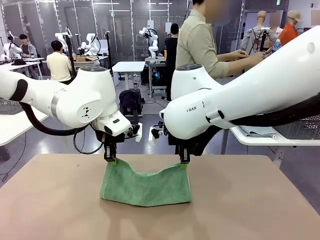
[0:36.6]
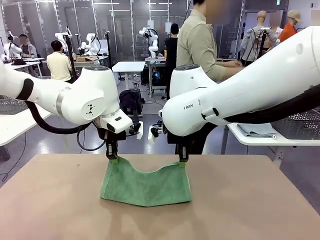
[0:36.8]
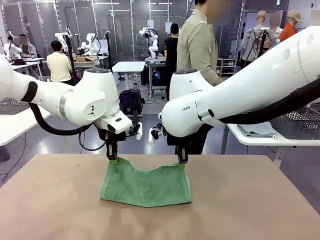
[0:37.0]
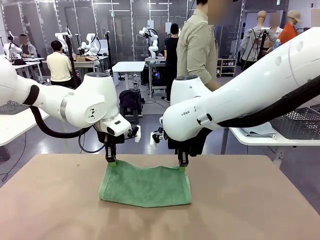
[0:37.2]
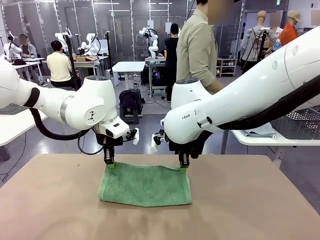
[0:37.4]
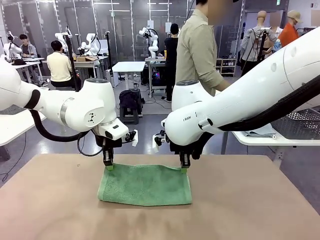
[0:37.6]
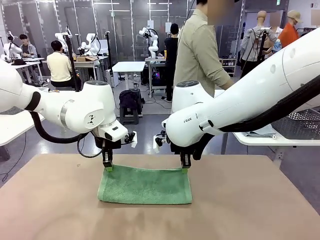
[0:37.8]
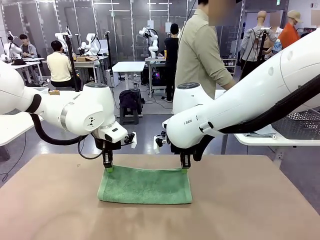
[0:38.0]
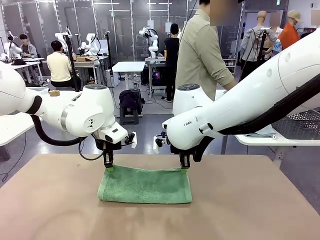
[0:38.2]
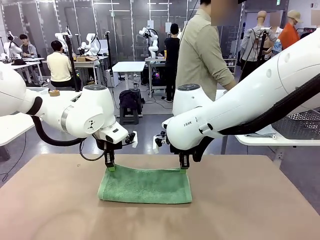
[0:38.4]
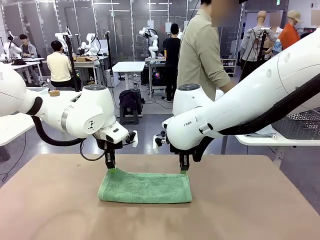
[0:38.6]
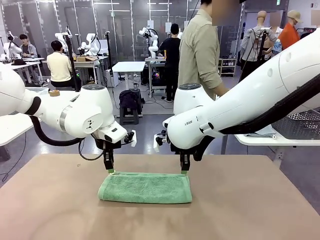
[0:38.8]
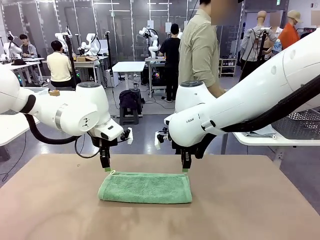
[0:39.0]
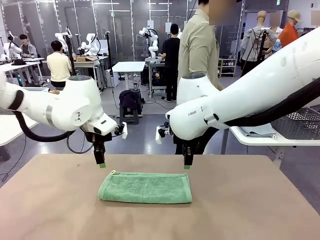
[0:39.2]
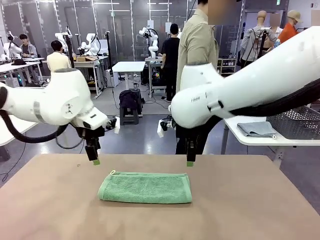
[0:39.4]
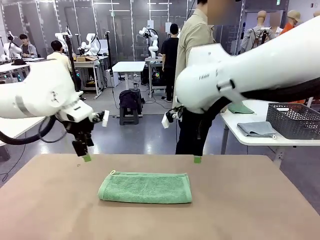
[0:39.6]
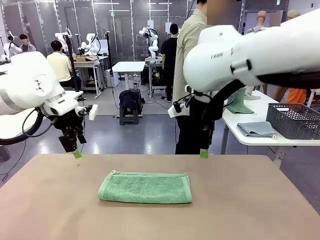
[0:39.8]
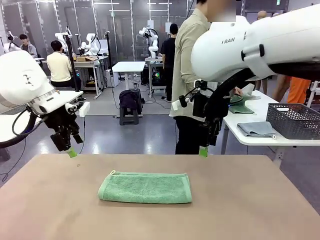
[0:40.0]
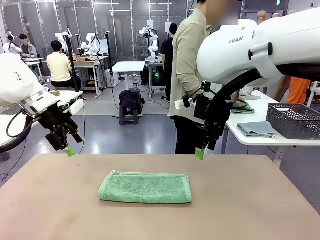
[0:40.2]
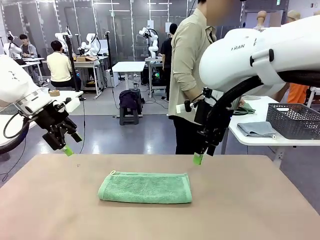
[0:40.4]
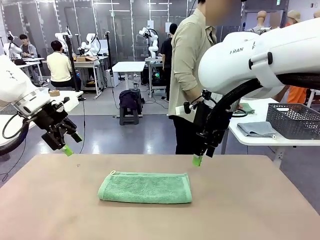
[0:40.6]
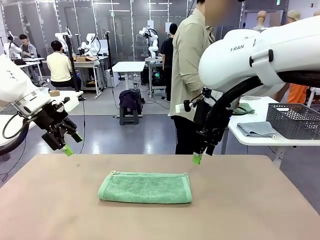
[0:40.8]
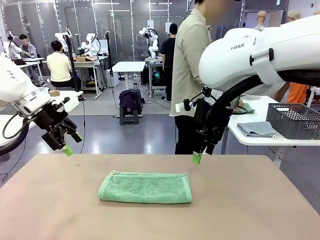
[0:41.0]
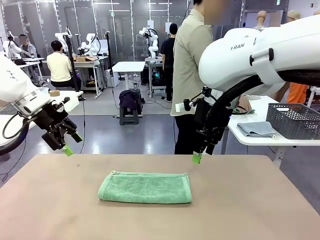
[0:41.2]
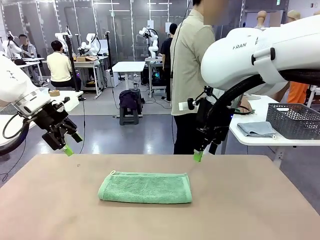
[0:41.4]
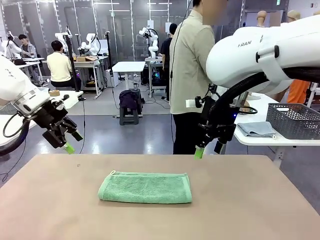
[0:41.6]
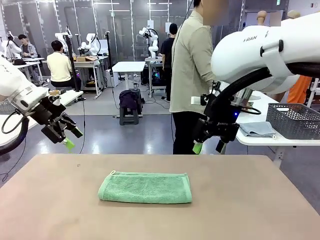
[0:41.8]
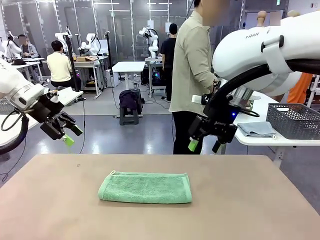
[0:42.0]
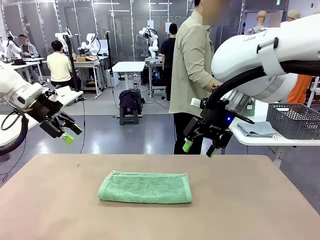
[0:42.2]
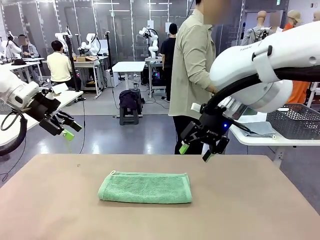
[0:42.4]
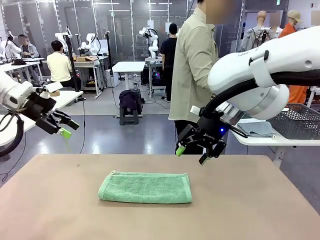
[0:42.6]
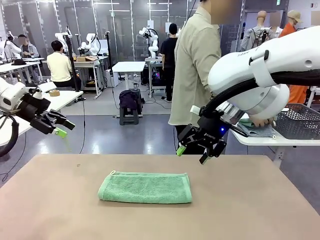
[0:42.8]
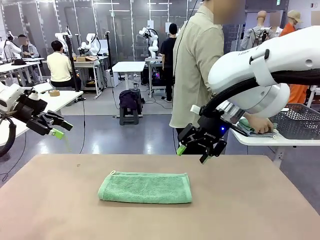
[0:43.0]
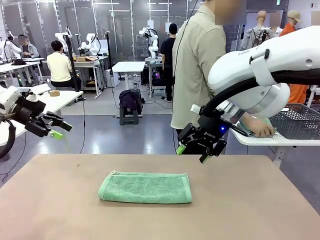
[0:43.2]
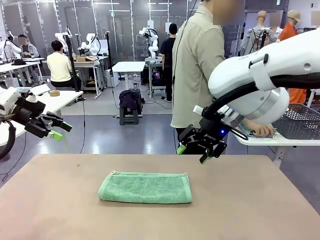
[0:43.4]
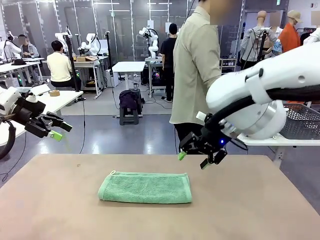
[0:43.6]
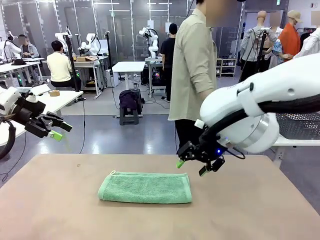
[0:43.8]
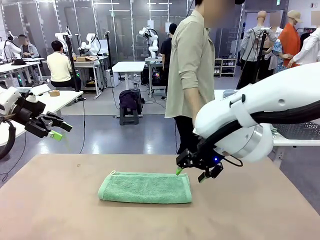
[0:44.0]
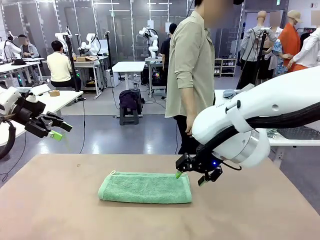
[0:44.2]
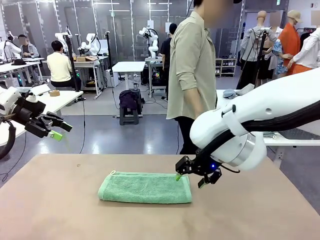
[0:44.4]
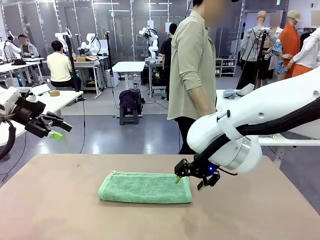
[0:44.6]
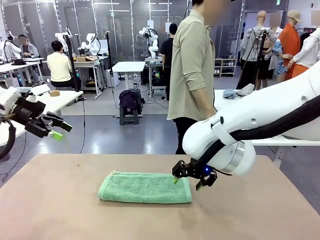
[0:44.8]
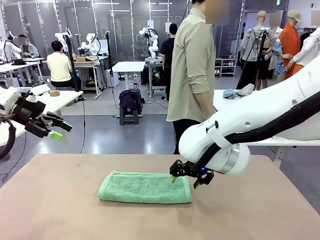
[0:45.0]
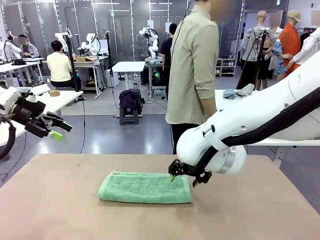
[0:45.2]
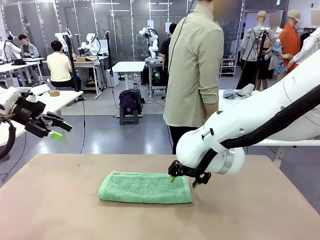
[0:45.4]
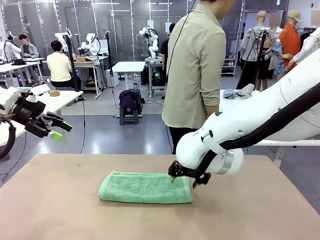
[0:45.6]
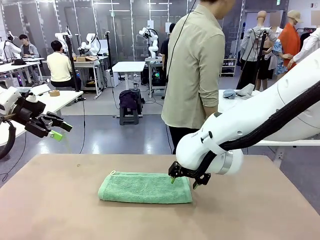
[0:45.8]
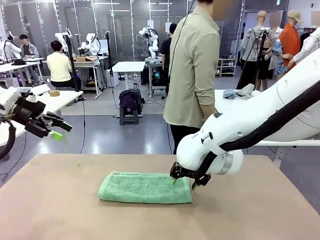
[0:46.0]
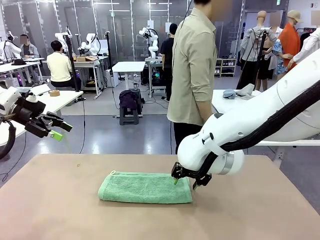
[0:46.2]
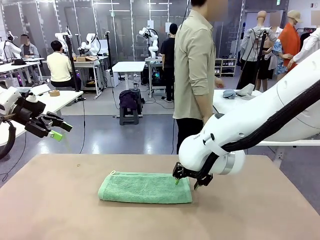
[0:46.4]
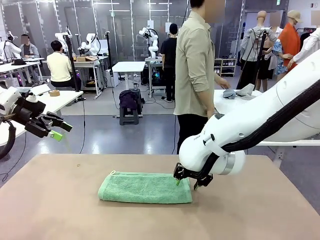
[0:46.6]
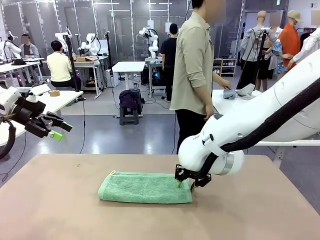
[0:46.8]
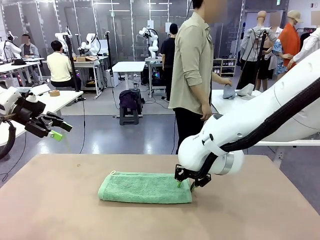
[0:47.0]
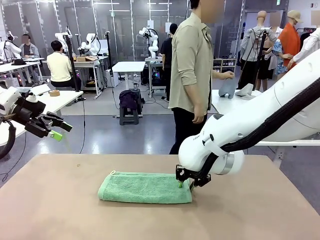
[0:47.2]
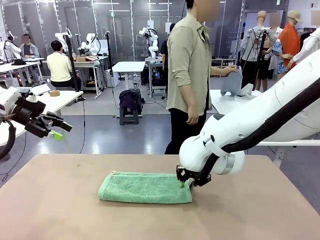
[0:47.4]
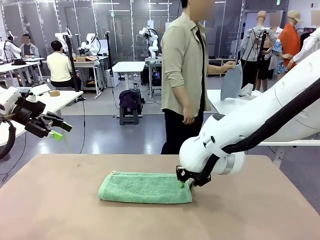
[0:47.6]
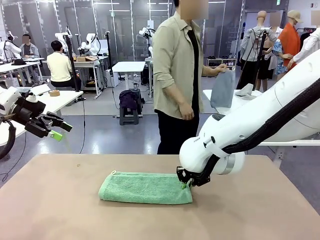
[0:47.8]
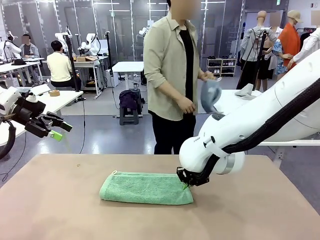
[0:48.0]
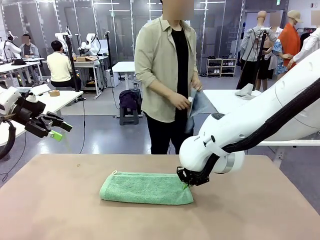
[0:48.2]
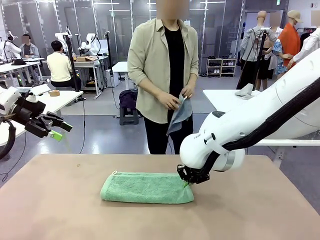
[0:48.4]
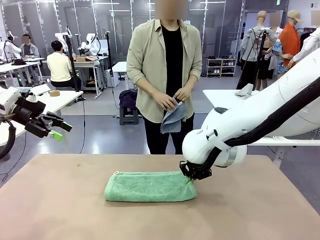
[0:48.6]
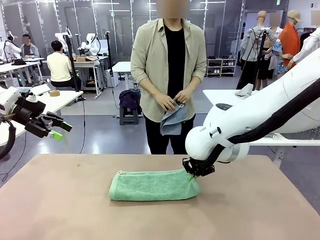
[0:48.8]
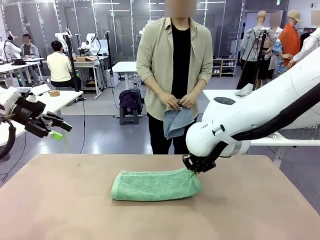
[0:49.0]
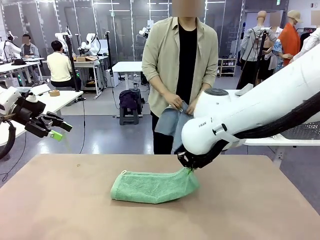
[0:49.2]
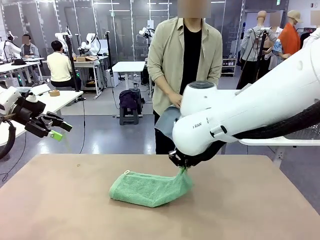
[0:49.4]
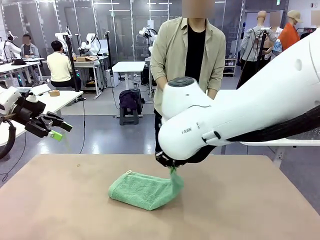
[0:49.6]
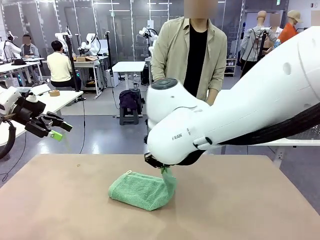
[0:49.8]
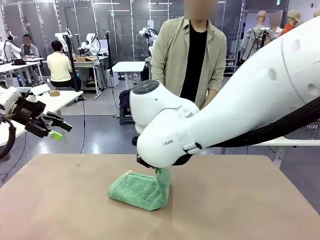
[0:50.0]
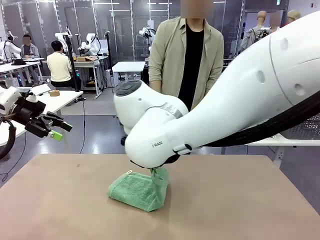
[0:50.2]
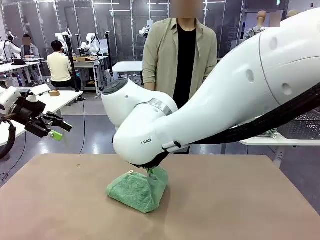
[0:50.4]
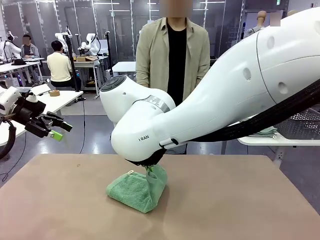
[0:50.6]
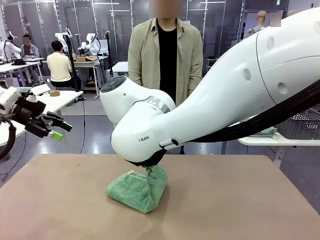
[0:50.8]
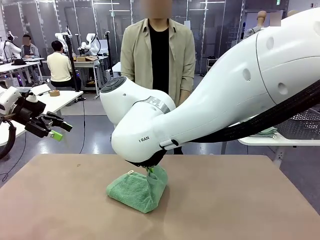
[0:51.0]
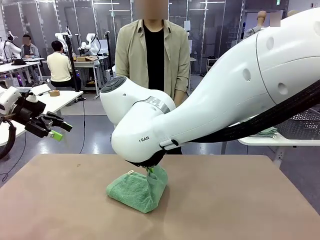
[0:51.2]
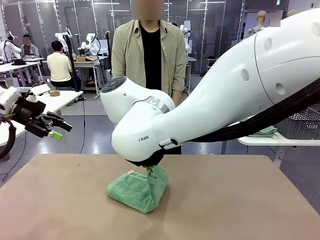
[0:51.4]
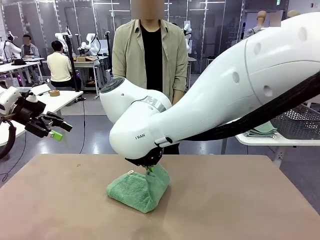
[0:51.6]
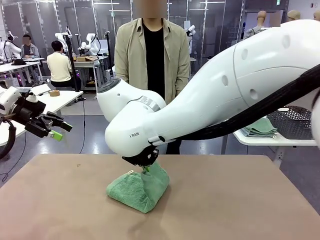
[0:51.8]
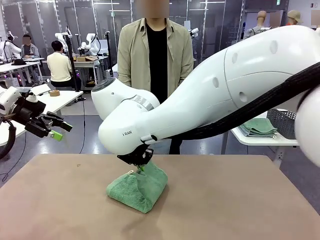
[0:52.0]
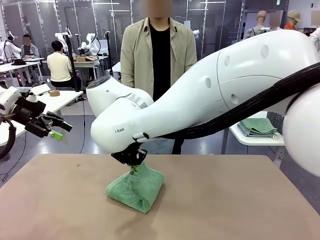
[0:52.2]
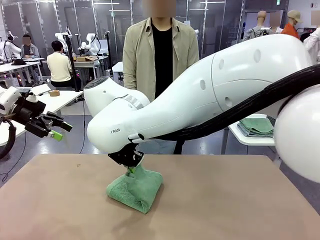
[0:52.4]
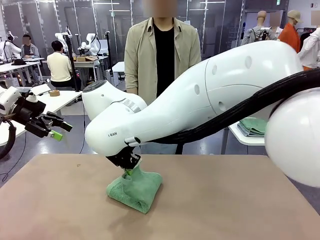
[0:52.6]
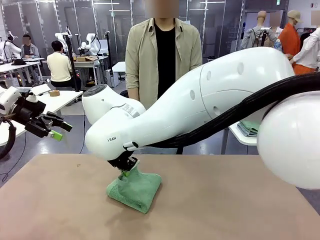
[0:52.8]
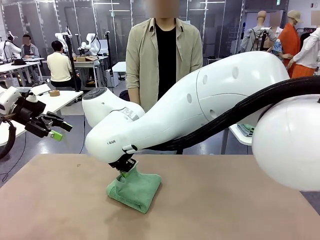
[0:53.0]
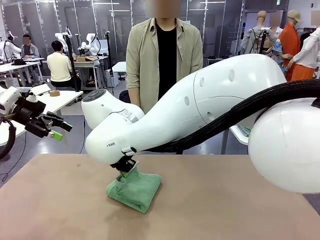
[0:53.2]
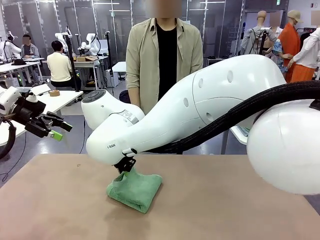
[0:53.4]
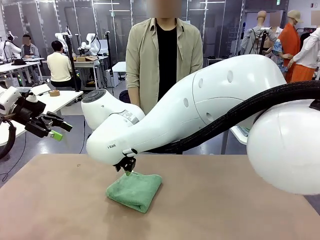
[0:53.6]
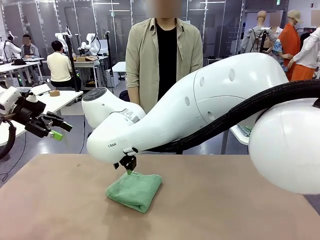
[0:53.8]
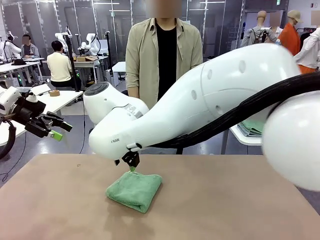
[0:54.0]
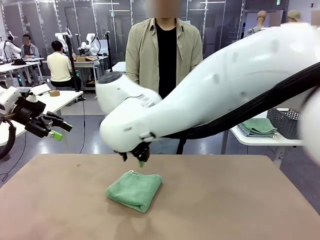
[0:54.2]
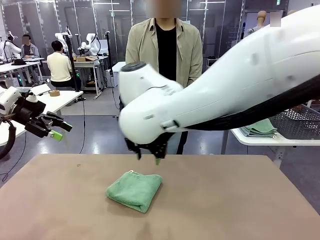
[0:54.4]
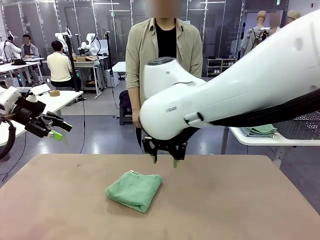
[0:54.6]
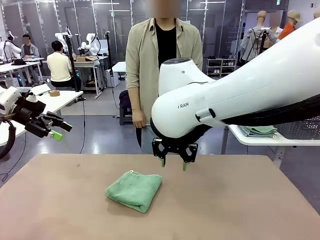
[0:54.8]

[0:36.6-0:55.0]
Task: Fold the towels and place them in the basket.
Robot: When a person lays out a Towel with hook on the table, fold it in half twice.
Person: Pick up one towel from the left side of the human table, fold it in half twice, and stack it on the right side of the table.
